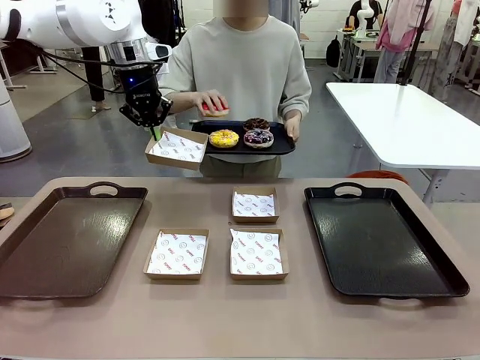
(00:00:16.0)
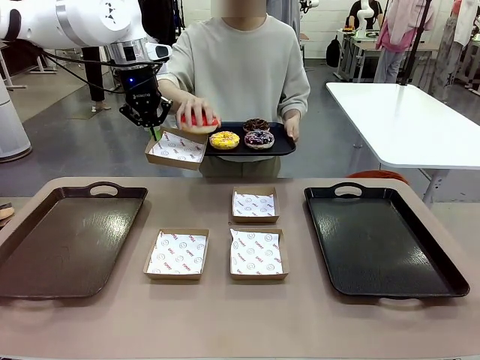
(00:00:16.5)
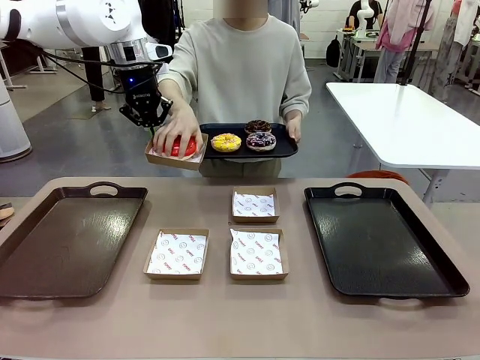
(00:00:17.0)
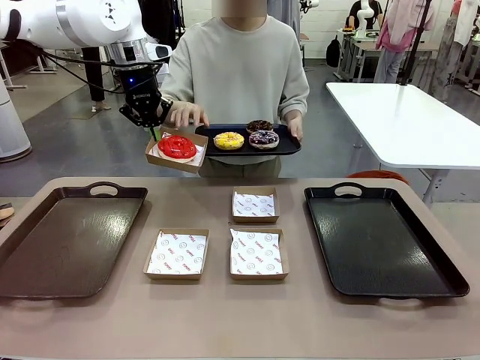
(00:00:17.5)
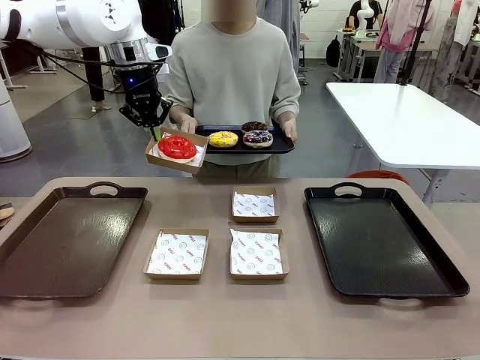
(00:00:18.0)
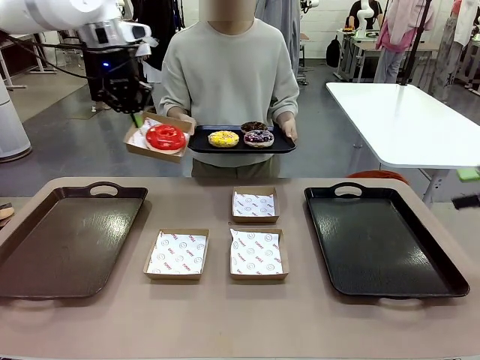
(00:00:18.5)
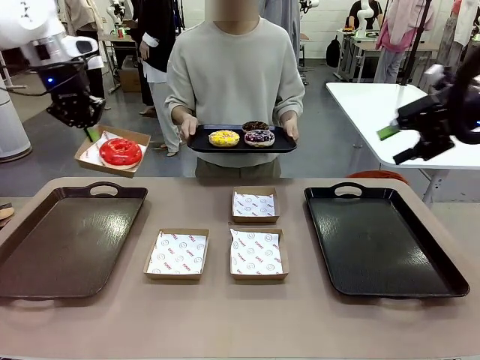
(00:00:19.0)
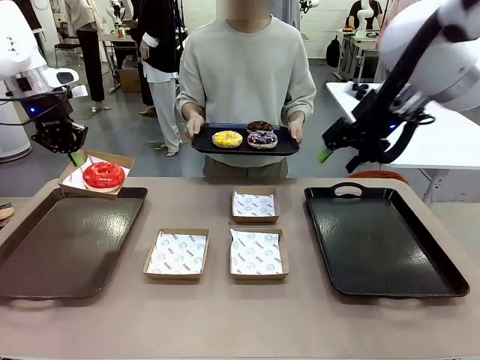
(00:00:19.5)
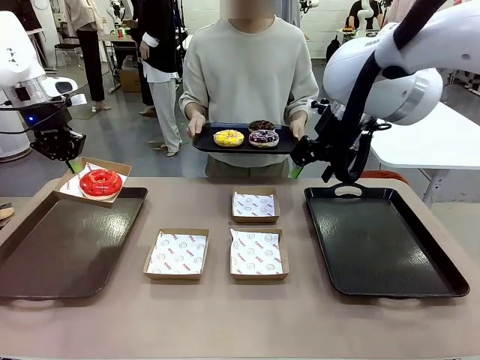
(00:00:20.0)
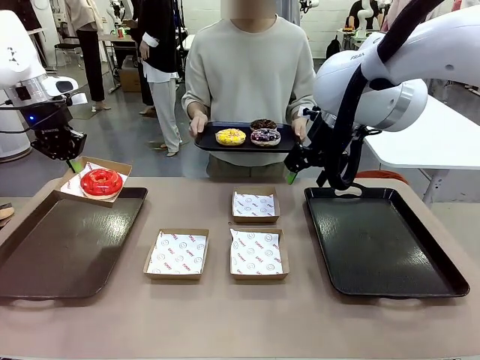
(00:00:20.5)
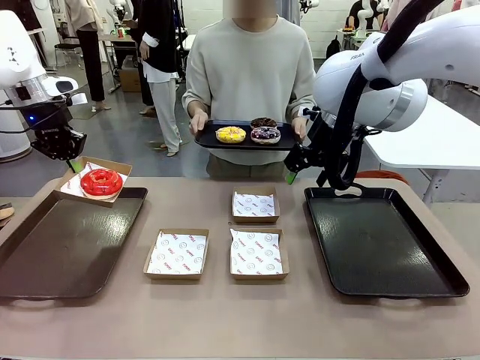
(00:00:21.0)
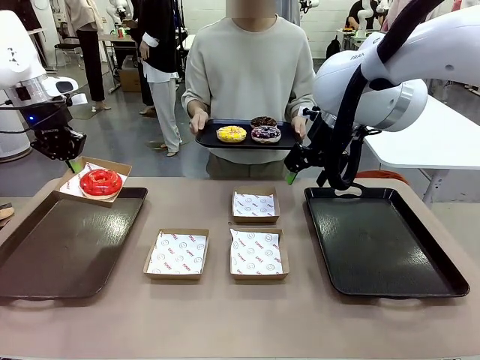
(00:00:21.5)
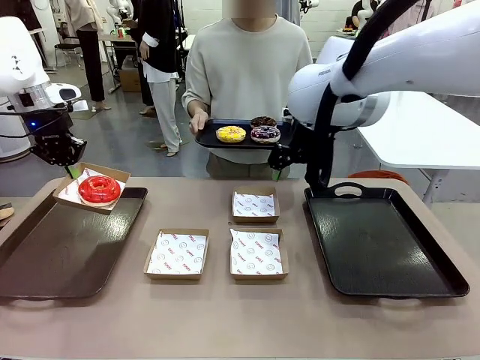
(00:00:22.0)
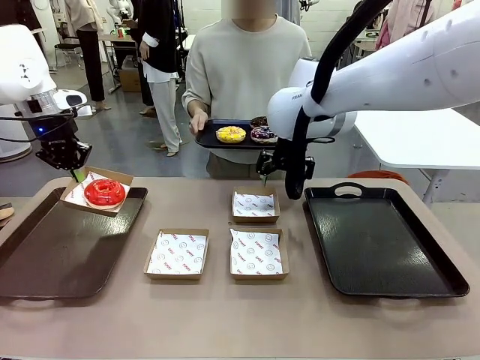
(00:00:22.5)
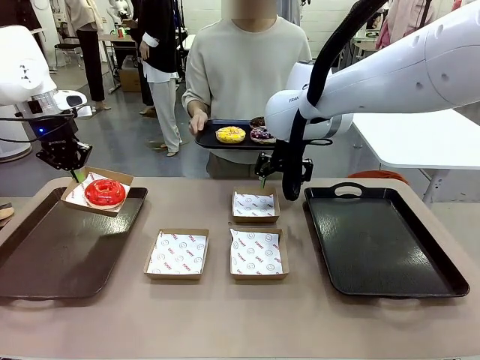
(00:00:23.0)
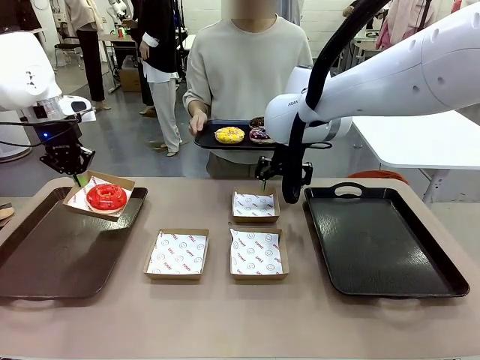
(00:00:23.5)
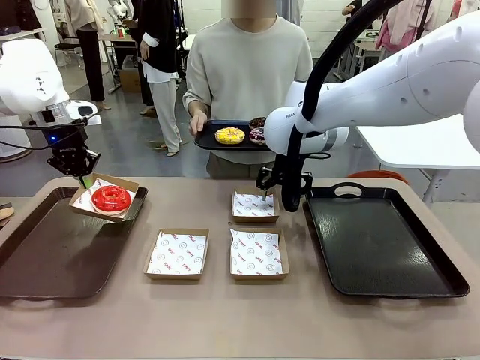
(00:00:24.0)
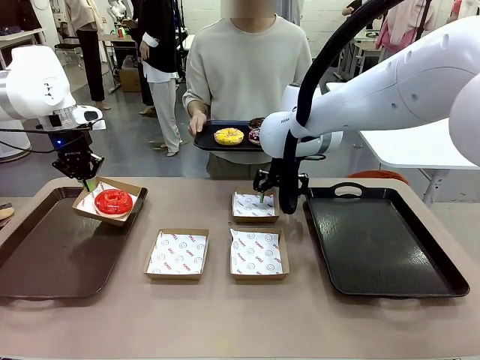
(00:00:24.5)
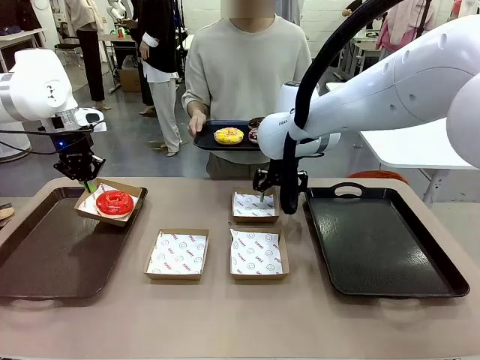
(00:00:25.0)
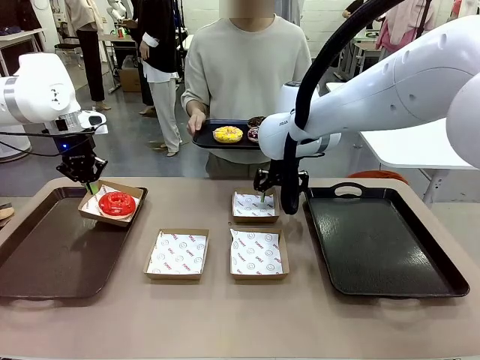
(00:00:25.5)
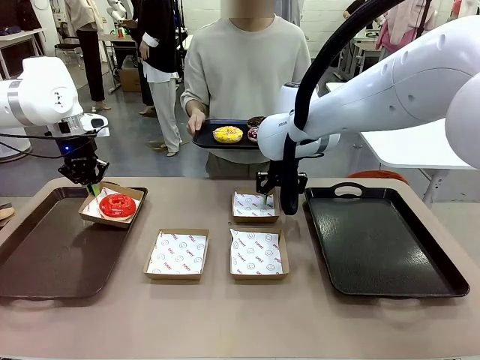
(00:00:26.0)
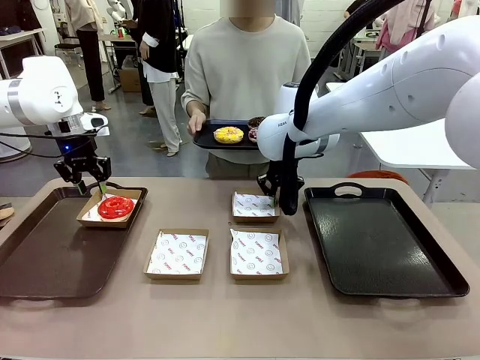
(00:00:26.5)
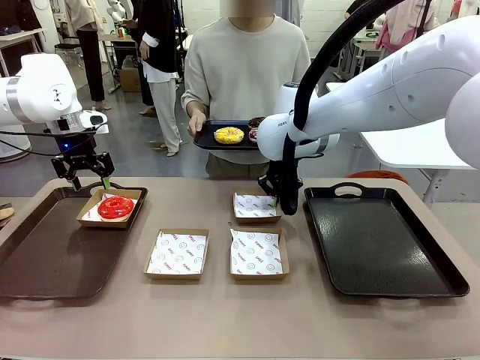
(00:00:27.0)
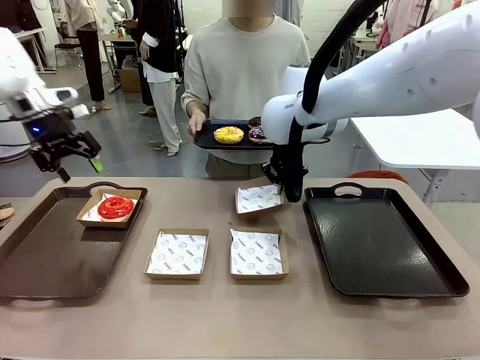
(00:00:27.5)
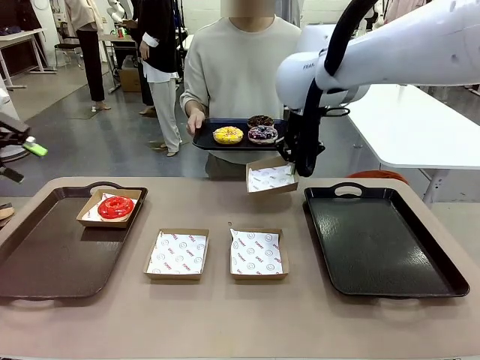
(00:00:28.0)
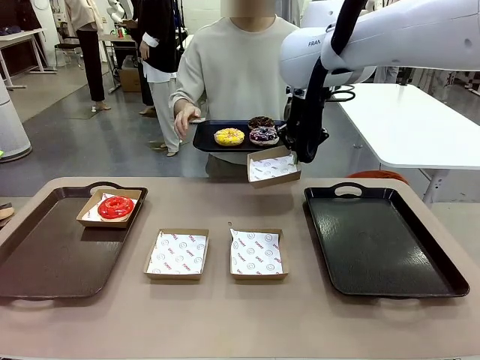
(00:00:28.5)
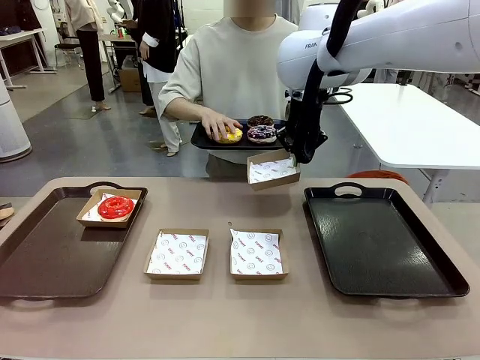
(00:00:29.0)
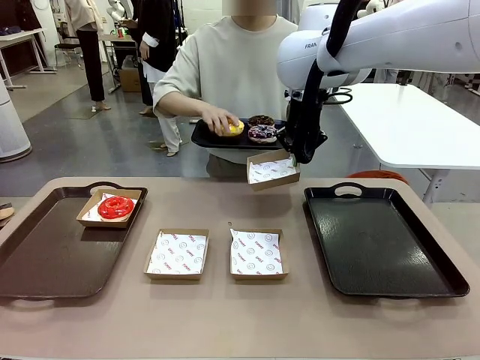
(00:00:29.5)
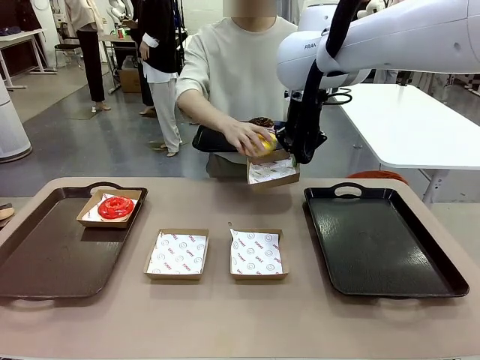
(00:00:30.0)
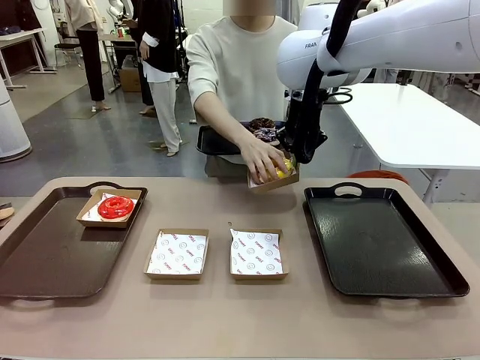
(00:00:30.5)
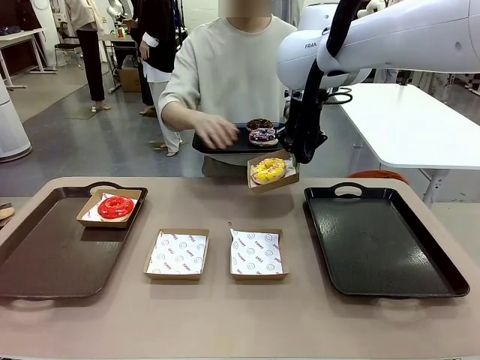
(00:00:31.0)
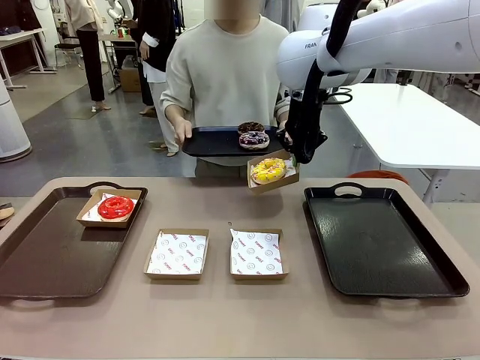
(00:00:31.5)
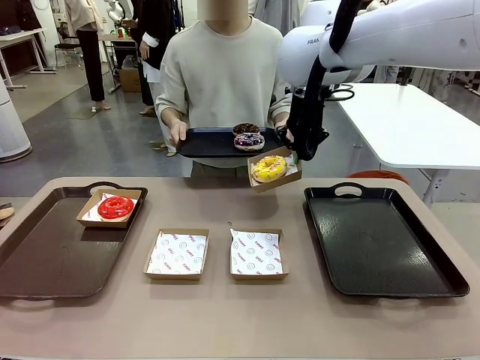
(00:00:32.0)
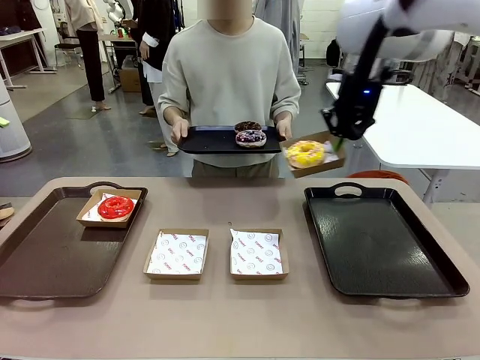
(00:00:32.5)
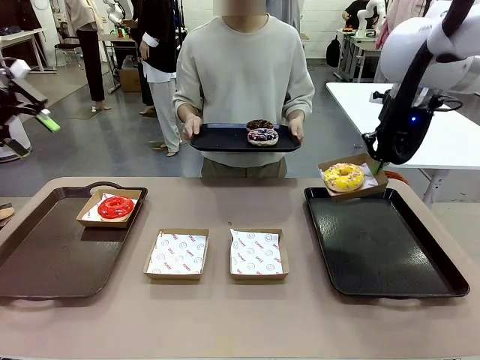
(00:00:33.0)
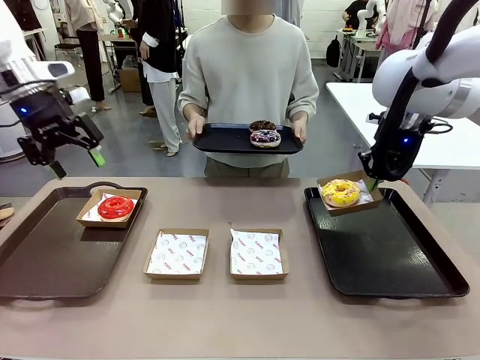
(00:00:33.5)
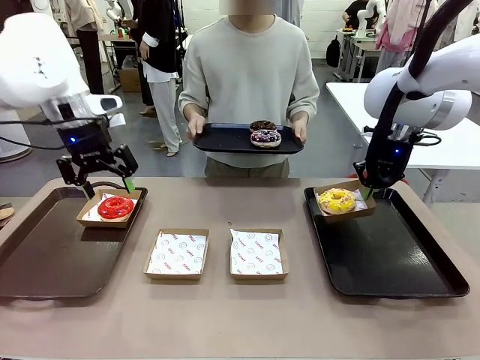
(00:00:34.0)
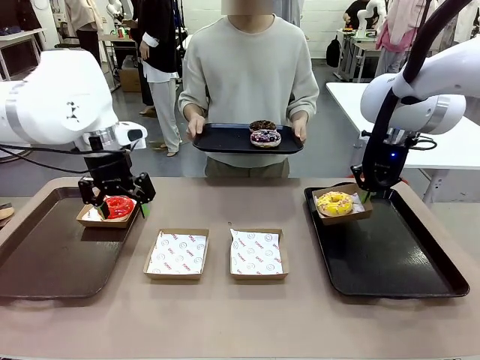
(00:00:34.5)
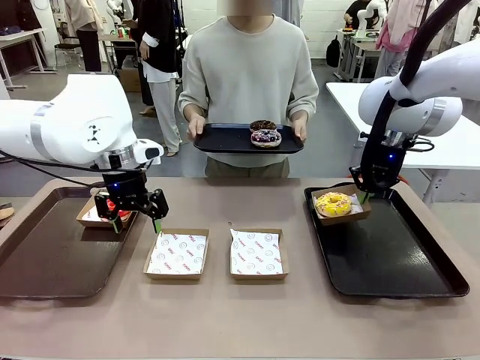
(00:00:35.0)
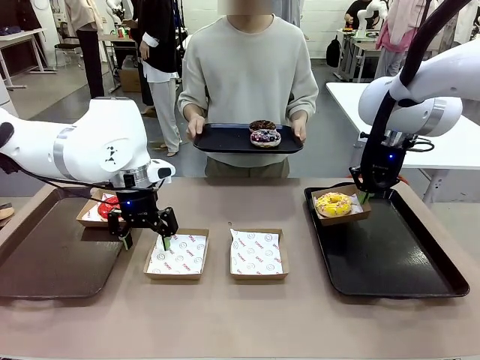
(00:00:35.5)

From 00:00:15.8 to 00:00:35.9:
Task: Individually package the donuts and arrange them on the tray.
Robot: Place the picked Paper togo box on the Handle tray while simultaneously picking up another Paper togo box from the table with the other hand.
